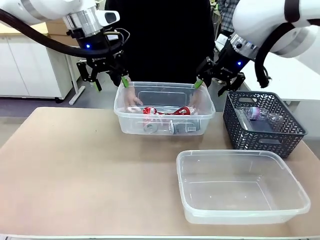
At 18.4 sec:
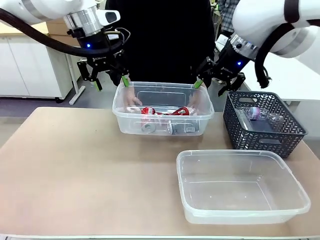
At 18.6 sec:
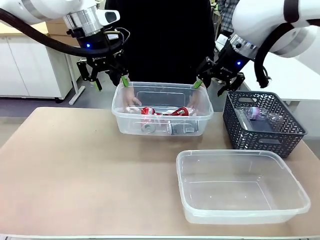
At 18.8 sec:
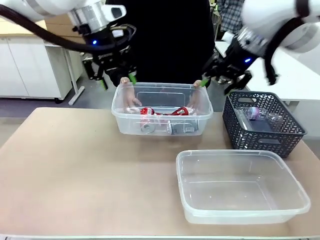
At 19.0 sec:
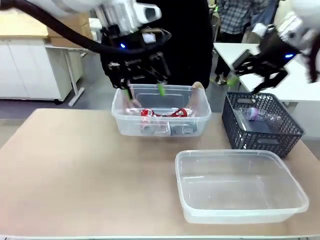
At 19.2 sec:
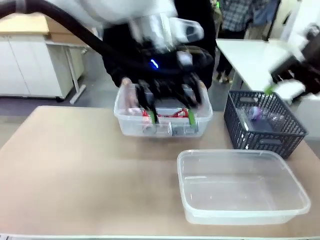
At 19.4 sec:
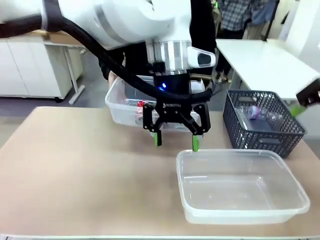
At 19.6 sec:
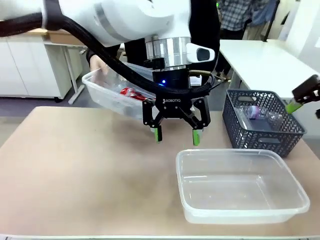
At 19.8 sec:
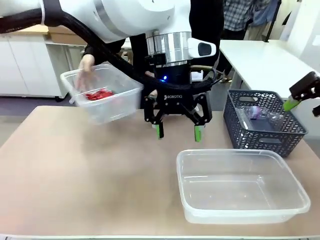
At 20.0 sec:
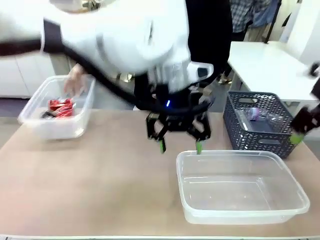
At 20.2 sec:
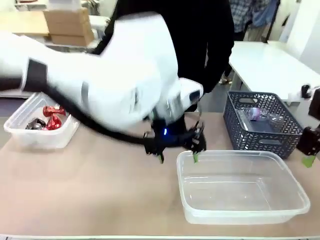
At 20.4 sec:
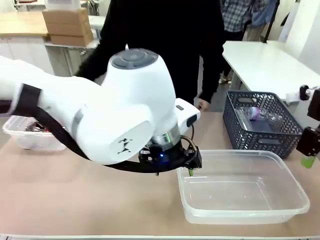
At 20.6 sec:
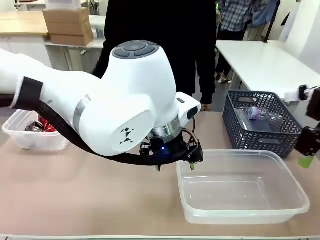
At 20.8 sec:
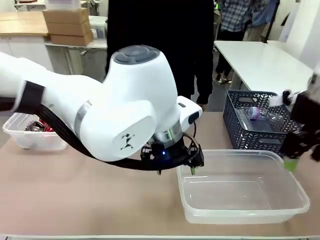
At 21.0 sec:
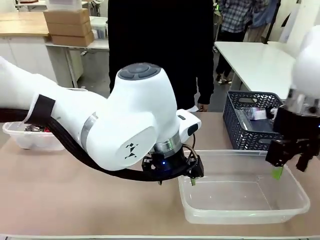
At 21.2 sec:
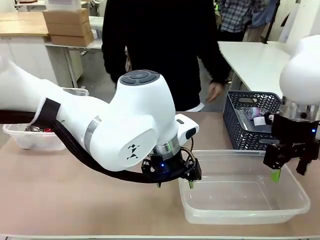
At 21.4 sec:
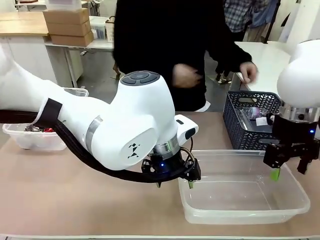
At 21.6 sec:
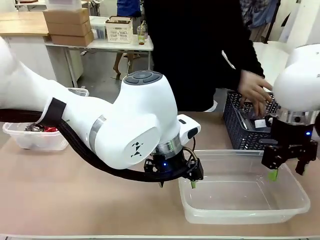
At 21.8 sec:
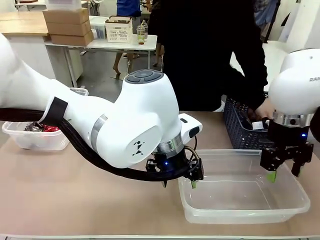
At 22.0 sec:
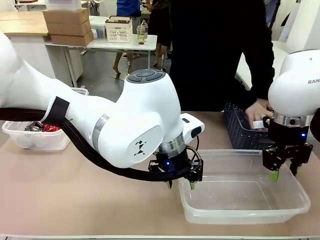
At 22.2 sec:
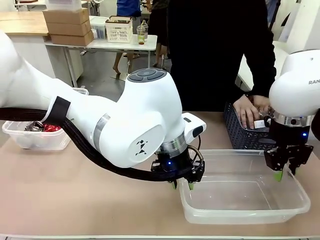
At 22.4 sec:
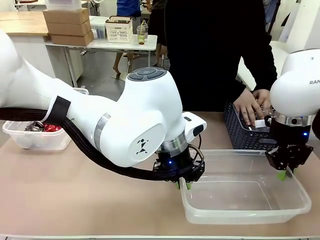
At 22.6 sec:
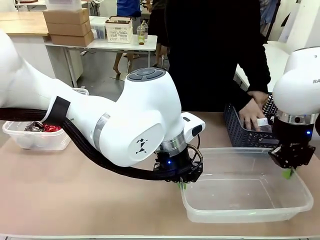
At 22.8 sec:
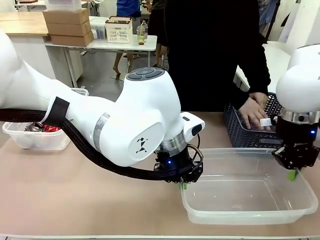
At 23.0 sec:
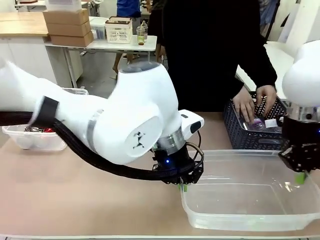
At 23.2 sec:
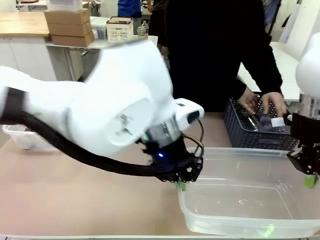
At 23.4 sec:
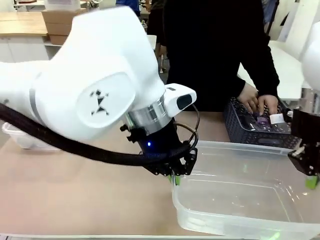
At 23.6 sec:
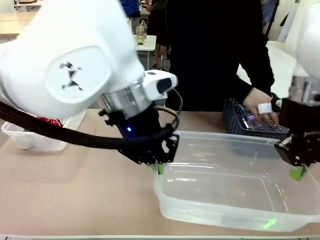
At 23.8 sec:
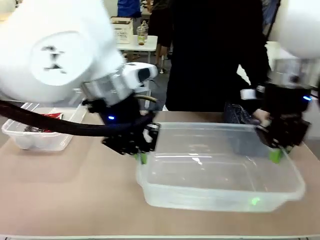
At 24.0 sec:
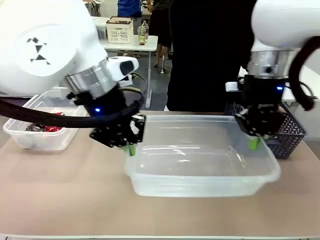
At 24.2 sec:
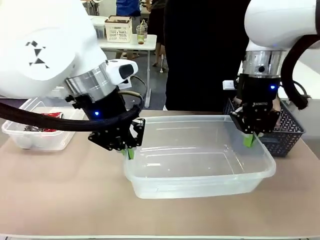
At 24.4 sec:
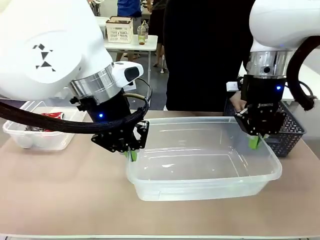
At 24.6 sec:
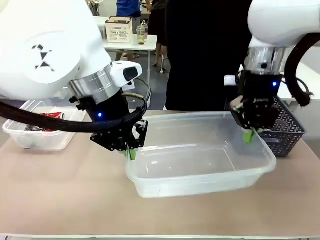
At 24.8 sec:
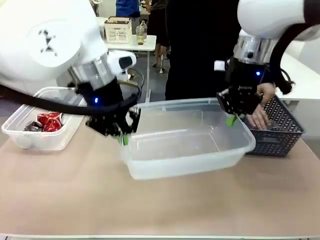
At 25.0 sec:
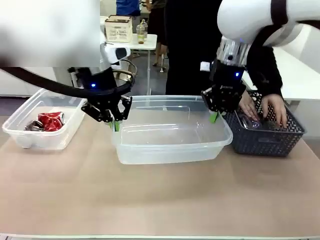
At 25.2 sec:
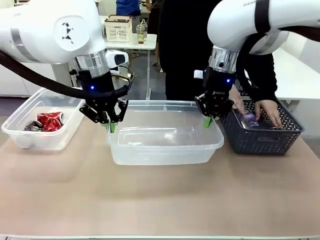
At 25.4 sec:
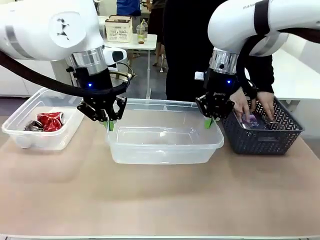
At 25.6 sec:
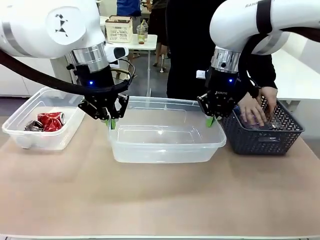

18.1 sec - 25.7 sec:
Robot: Pick up the Organizing box on the right side of the table and lift it.
Person: Place it at the edge of the bottom right area of the robot table.

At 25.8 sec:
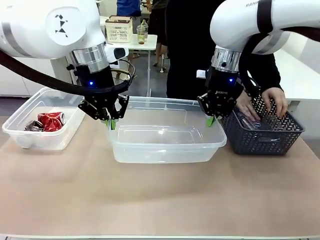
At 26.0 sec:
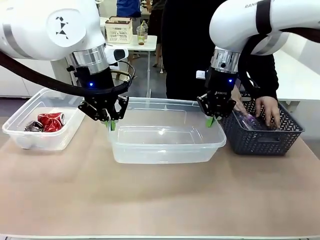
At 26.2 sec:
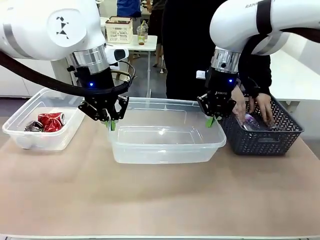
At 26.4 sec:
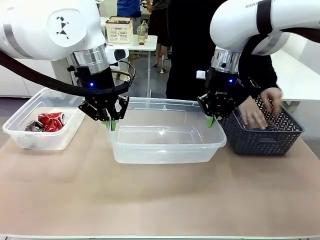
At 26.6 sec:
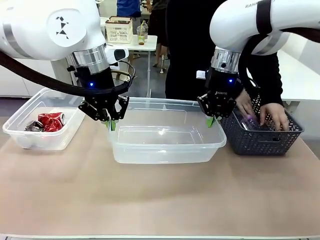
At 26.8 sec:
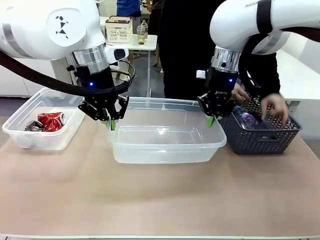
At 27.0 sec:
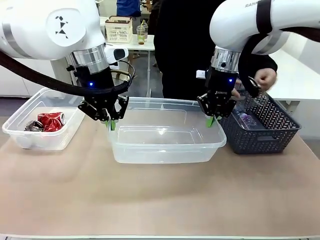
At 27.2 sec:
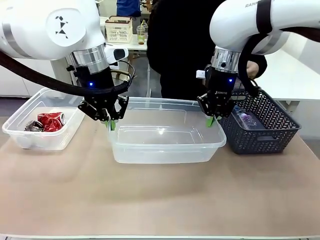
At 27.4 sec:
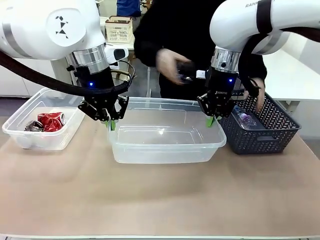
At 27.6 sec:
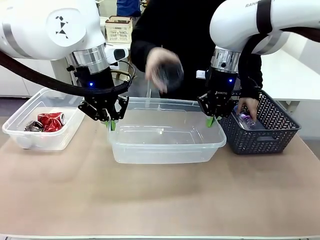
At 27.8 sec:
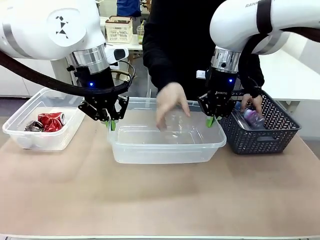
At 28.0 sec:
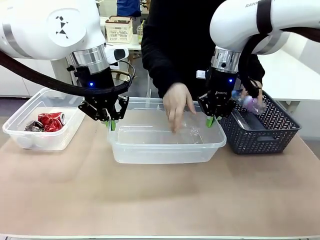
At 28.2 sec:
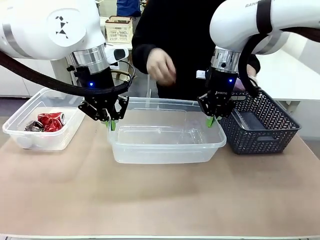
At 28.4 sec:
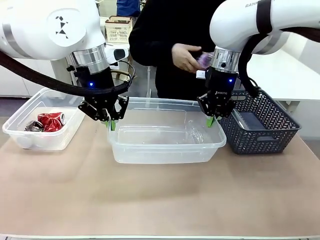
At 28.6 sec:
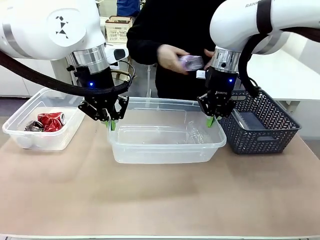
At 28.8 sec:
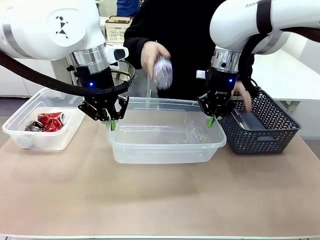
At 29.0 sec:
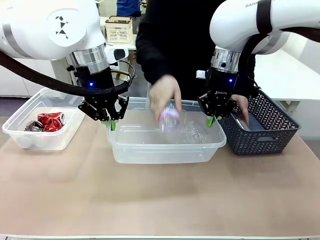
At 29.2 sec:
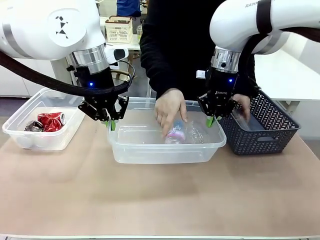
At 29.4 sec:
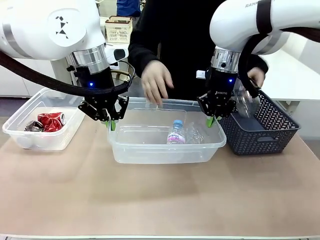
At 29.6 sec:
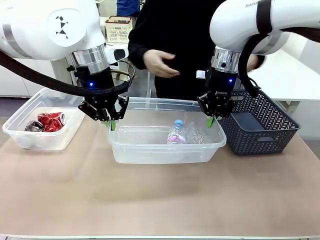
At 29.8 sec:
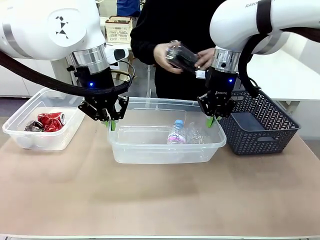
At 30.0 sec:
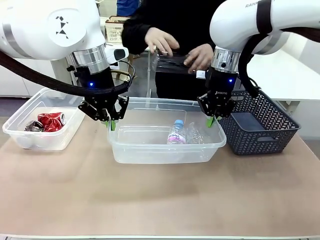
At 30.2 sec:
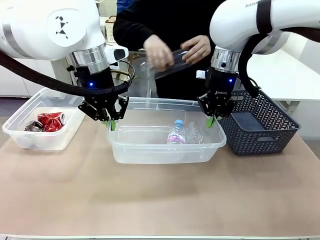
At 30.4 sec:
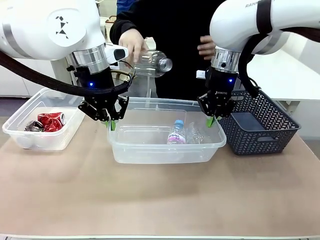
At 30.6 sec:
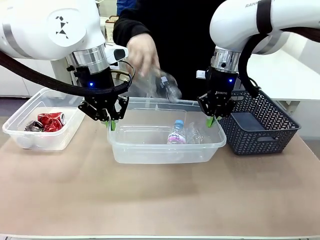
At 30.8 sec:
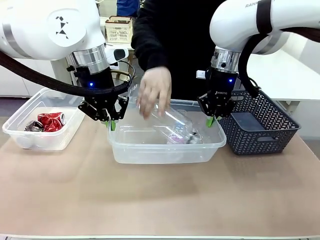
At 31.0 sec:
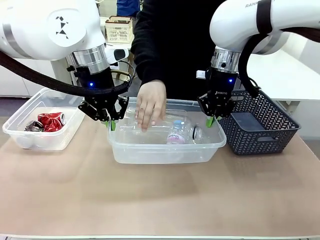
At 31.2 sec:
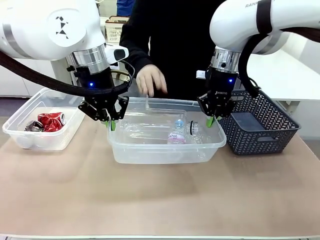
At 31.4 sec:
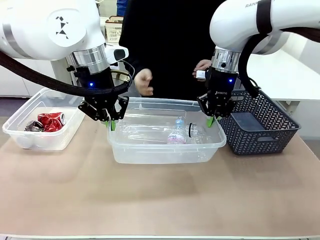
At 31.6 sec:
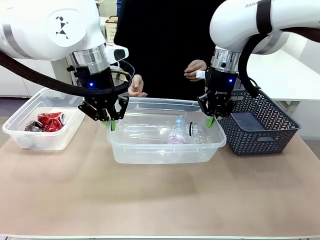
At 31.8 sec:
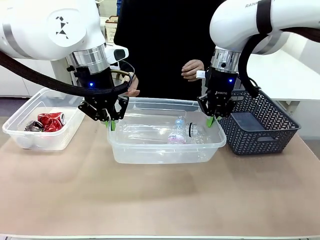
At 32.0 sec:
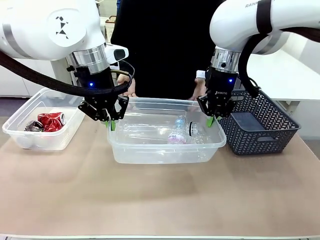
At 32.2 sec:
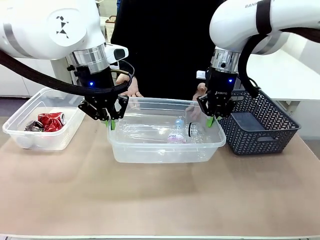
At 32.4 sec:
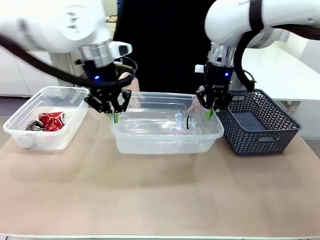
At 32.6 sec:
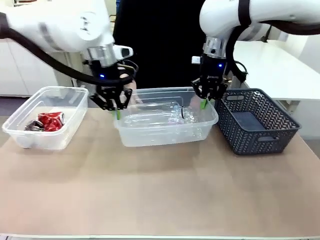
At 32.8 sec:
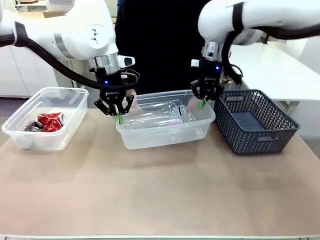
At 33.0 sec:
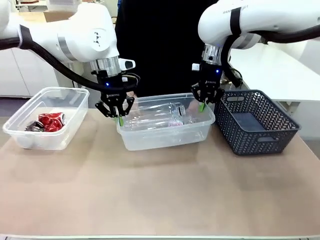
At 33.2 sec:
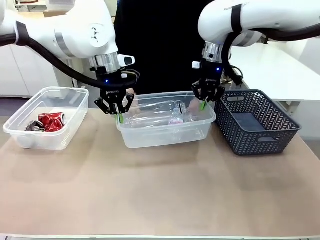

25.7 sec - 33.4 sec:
Robot: Offer the picked Organizing box to the human.
Person: Pick up plastic waste one by one and place it into the organizing box lifted by the robot.

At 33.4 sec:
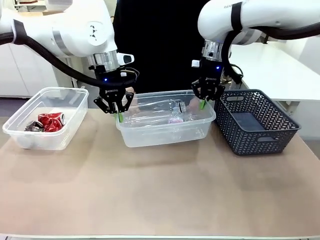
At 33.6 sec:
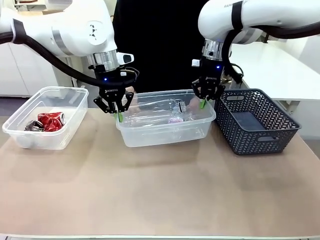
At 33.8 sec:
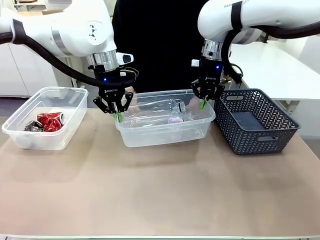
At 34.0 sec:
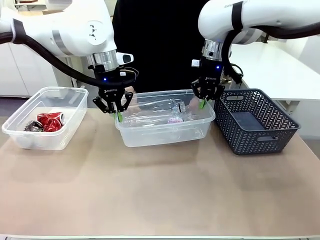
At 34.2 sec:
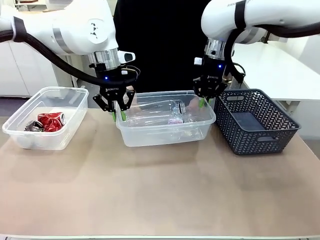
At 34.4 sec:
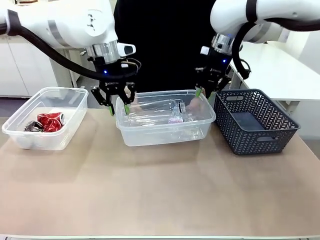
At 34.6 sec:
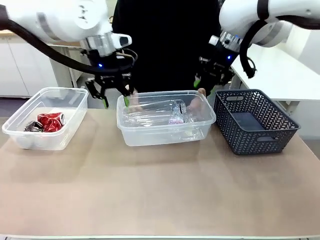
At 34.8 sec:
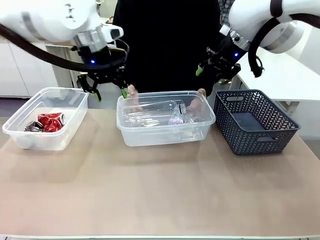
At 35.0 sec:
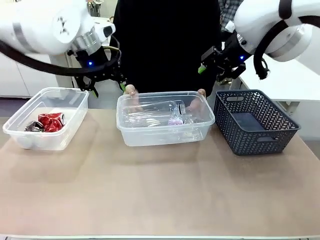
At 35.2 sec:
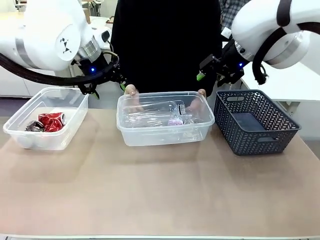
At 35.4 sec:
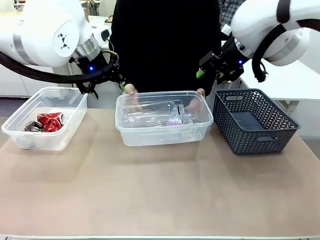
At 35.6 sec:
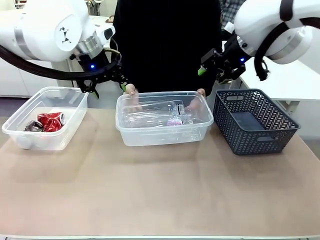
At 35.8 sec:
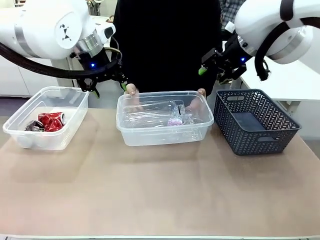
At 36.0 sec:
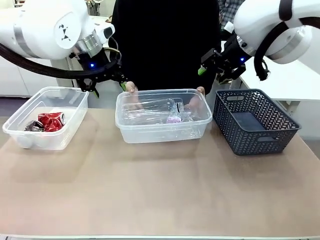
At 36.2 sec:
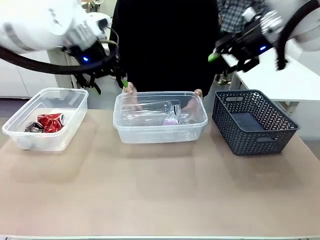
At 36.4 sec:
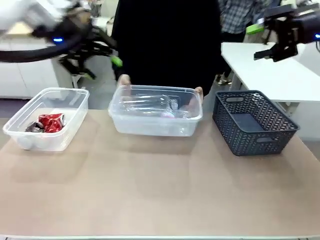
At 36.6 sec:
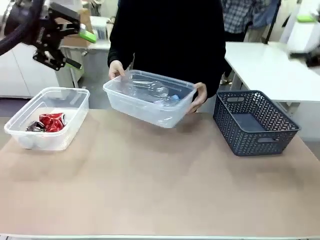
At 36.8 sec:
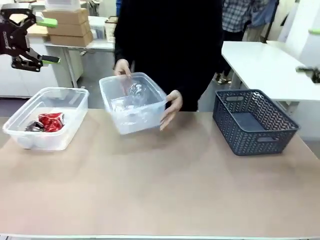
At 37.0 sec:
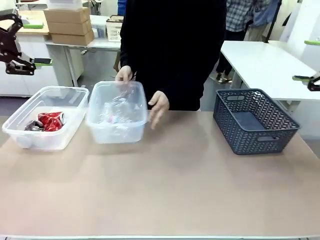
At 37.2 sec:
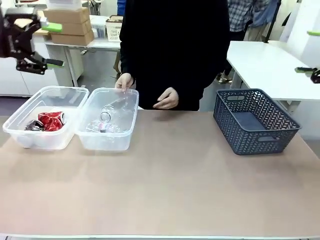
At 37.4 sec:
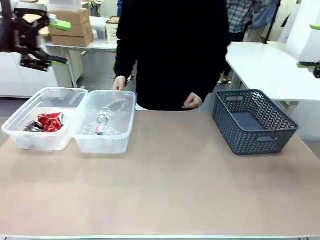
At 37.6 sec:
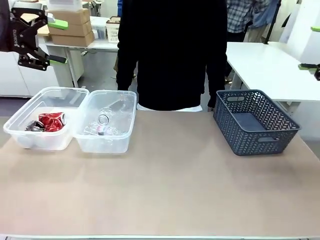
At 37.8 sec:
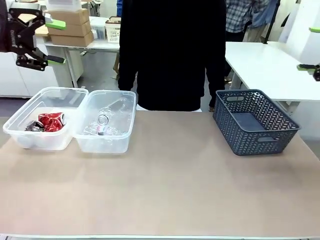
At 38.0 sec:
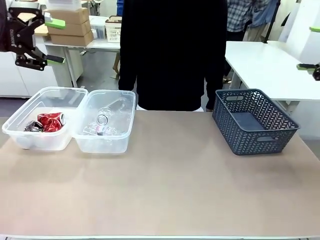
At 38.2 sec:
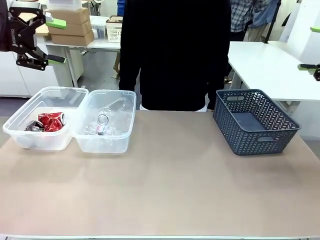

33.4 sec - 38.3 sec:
Robot: Release the Organizing box you were holding.
Person: Pick up the organizing box extended by the robot. Place the organizing box to the left of the sorting box containing the can waste.

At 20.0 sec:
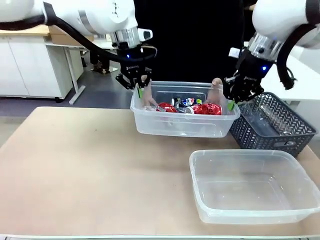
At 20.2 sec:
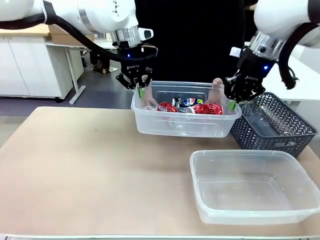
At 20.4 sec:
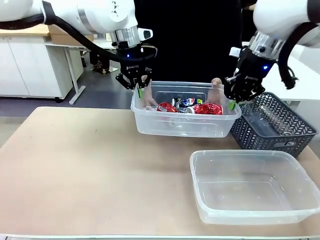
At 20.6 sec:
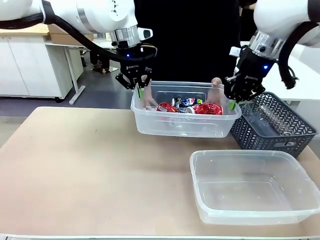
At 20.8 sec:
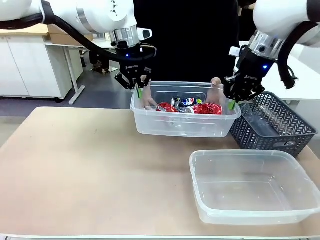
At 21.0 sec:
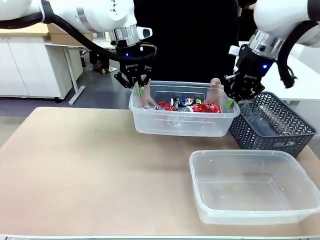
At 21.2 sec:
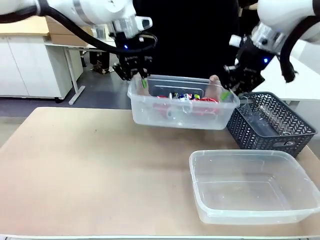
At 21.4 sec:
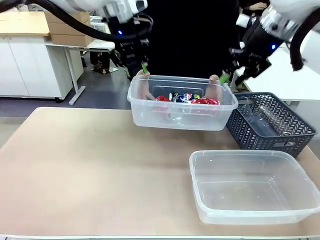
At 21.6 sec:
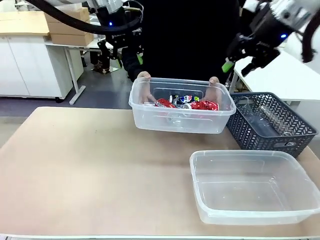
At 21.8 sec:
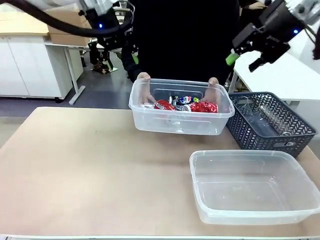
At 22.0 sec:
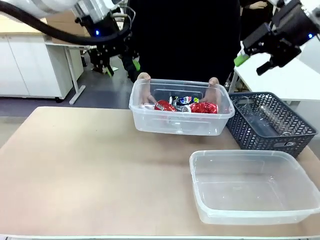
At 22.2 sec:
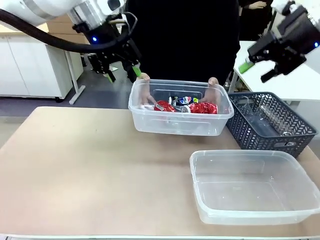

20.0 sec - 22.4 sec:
Robot: Release the Organizing box you were holding.
